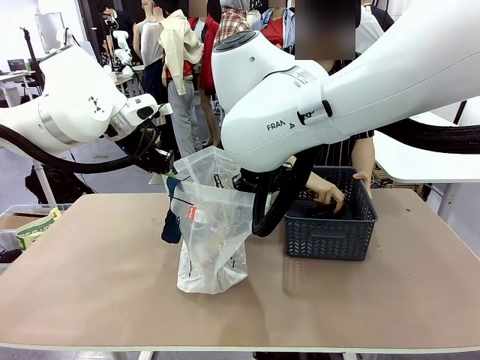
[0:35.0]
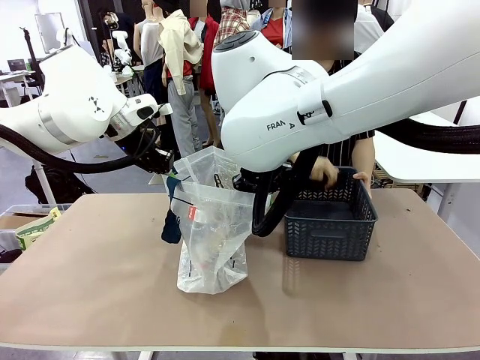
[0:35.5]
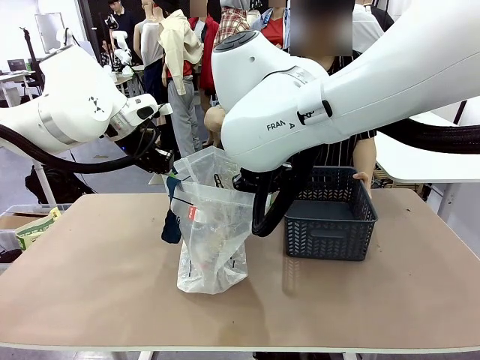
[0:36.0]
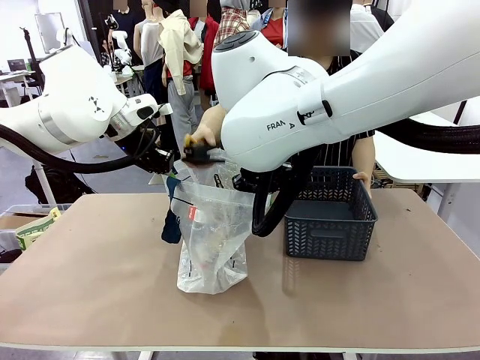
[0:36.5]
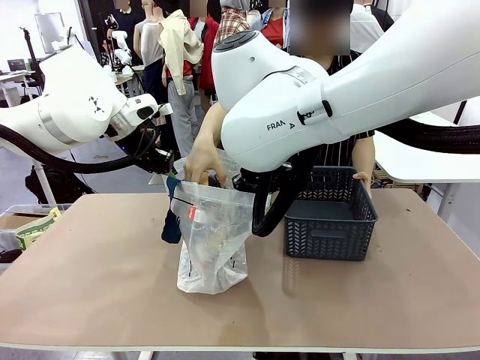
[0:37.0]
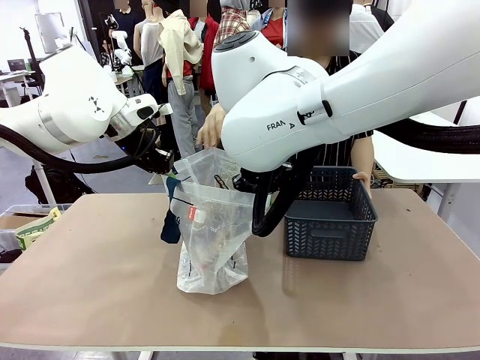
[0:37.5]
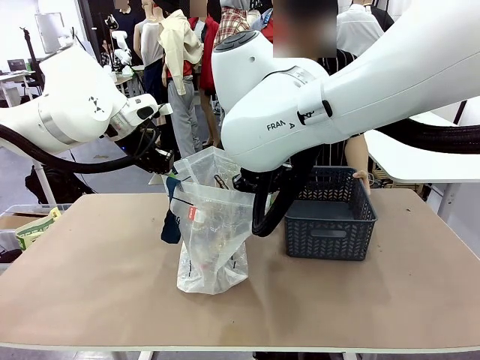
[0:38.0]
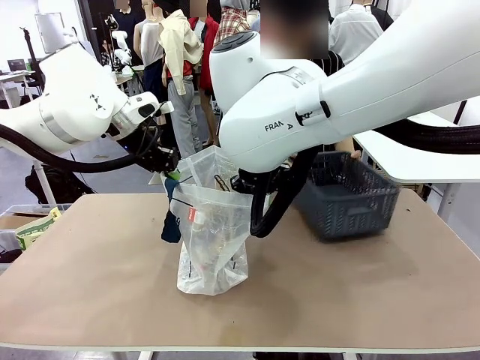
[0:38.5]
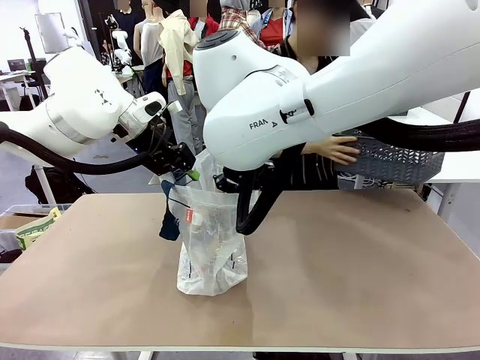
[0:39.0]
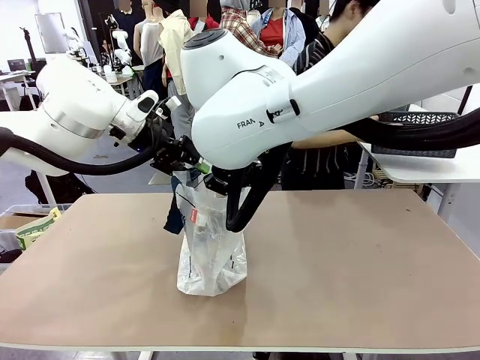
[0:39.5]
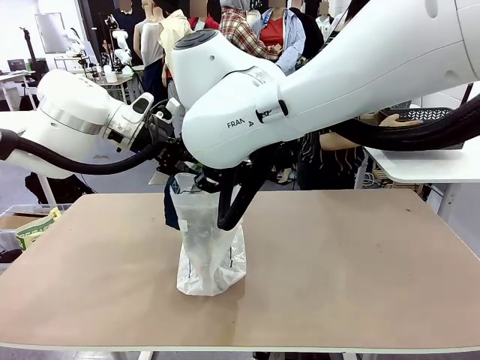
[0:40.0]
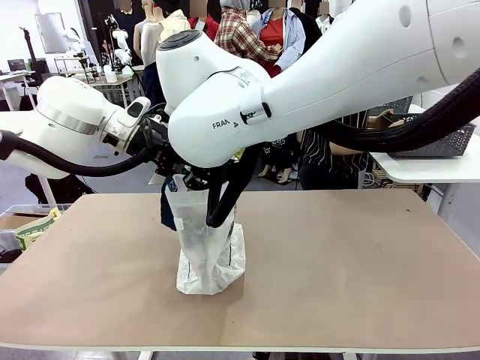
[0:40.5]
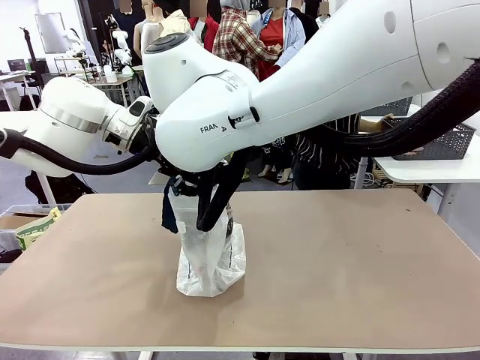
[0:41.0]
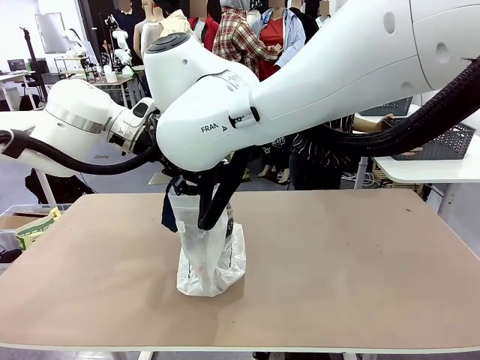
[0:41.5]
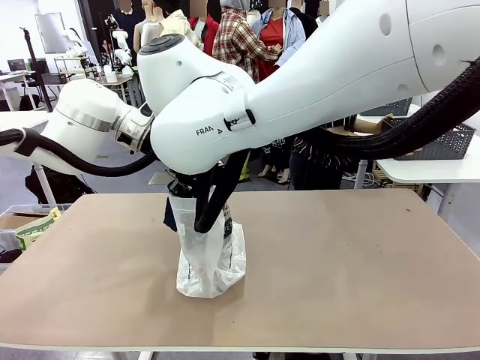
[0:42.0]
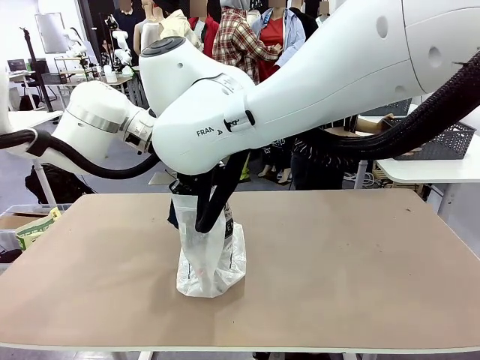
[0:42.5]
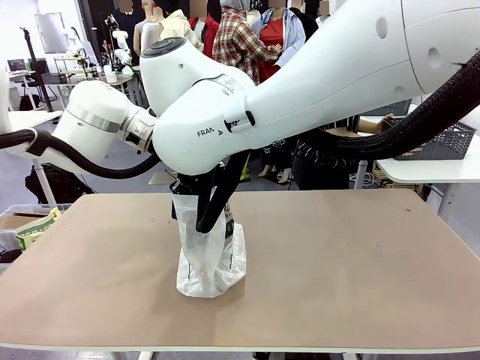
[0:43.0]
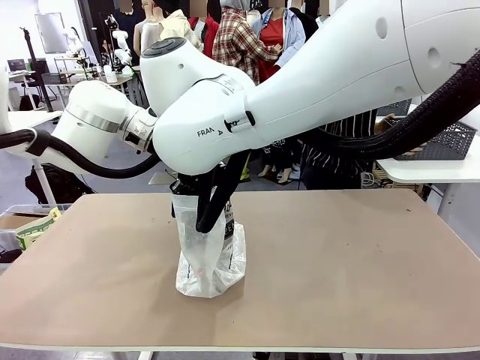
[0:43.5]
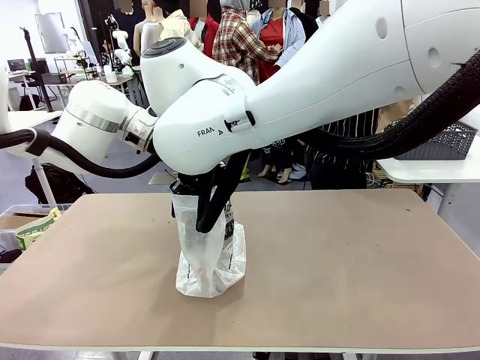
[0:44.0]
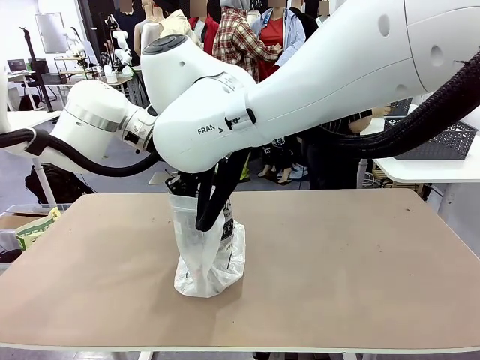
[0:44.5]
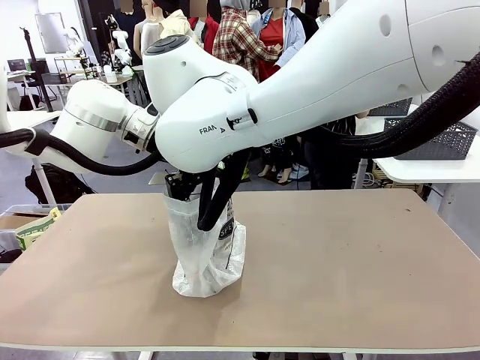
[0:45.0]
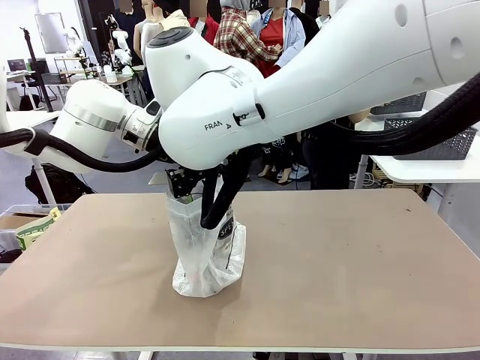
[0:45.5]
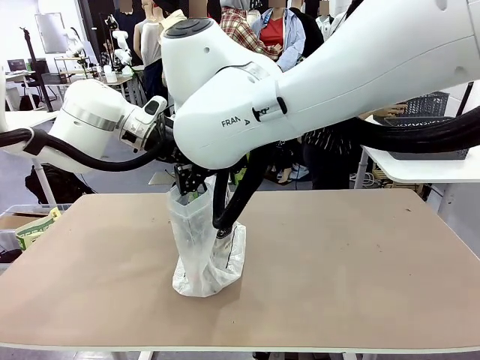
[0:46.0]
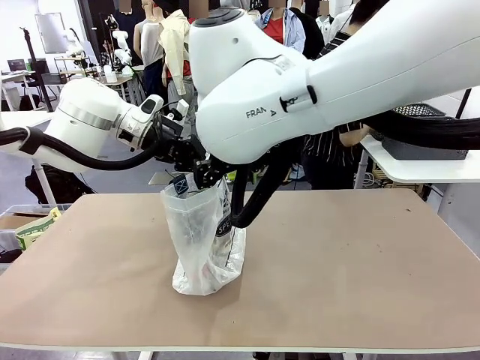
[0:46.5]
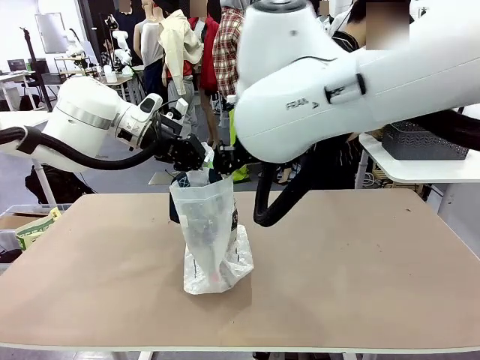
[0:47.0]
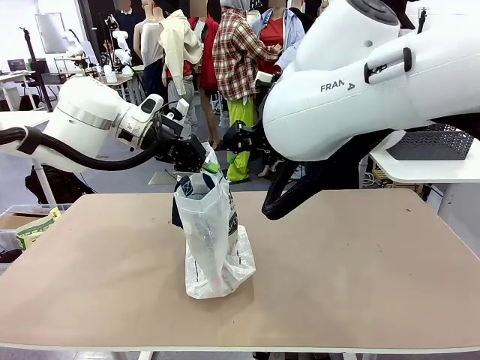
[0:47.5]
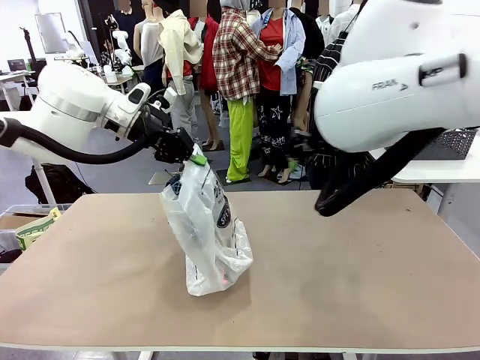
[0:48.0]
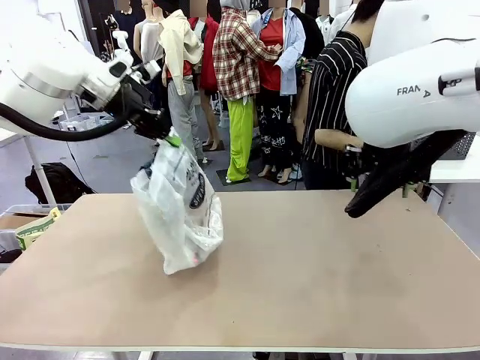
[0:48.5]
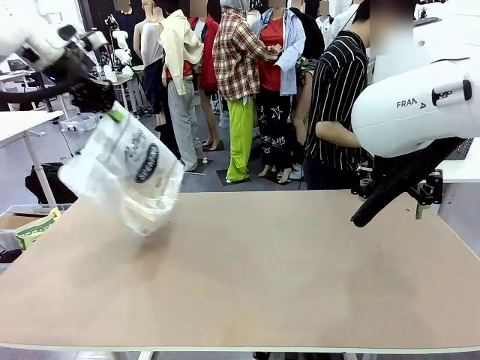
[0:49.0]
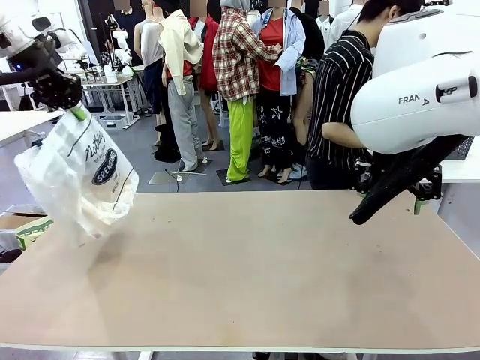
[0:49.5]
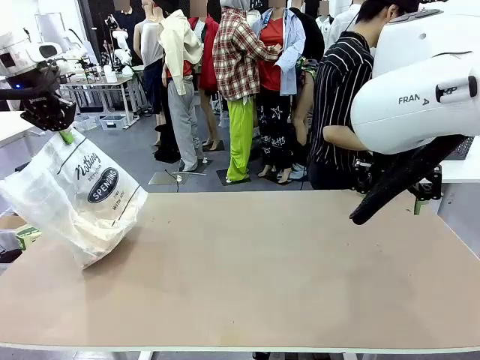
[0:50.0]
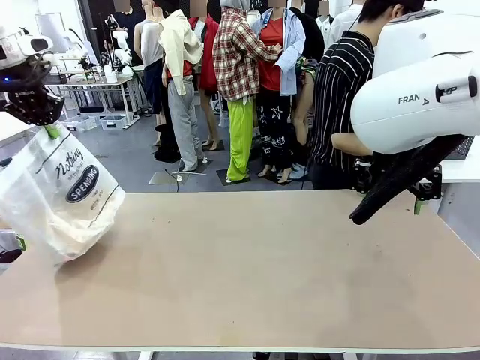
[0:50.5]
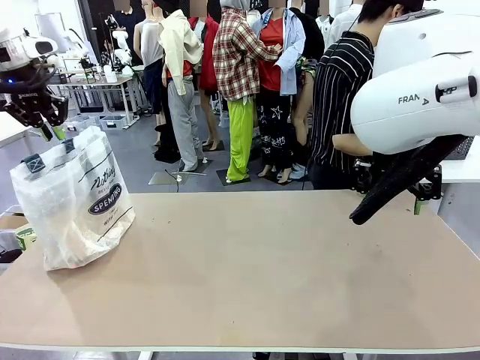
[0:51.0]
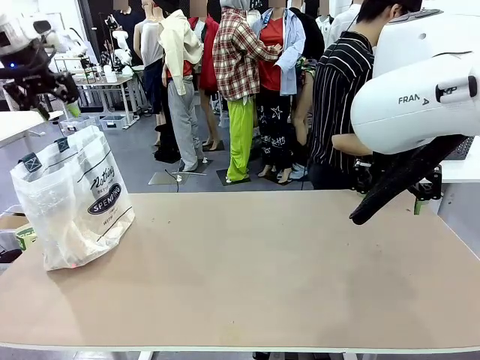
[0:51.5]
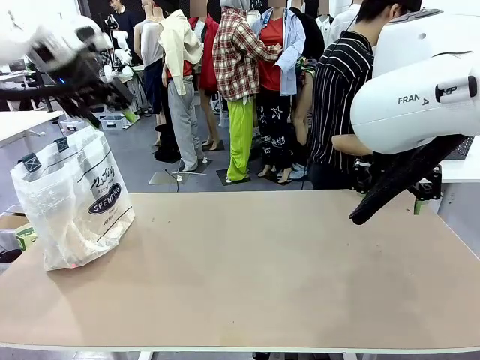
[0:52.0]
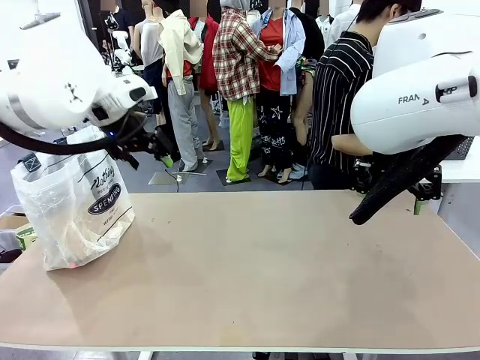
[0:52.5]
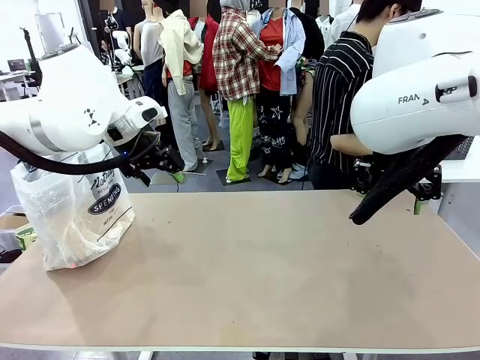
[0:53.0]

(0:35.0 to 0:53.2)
Task: Transfer purchased items from the store into the shopping bag.
Robot: Move the Reusable shopping bag to the right side of the table.
Person: Move the basket on the left to the middle of the person's table.

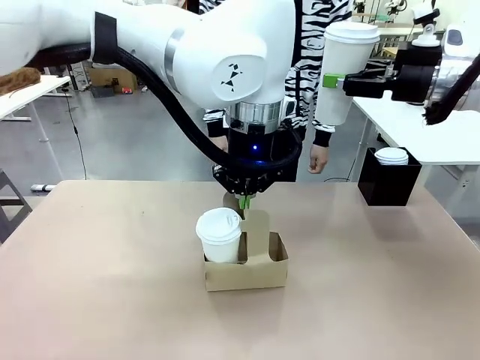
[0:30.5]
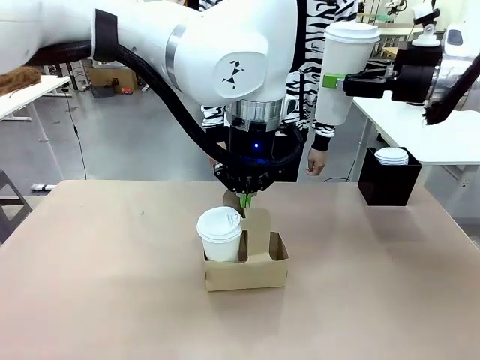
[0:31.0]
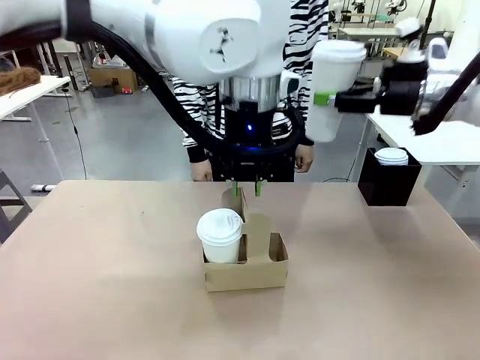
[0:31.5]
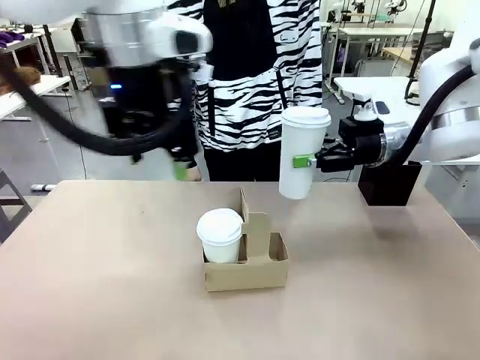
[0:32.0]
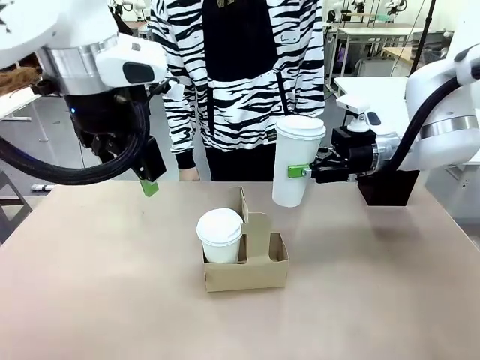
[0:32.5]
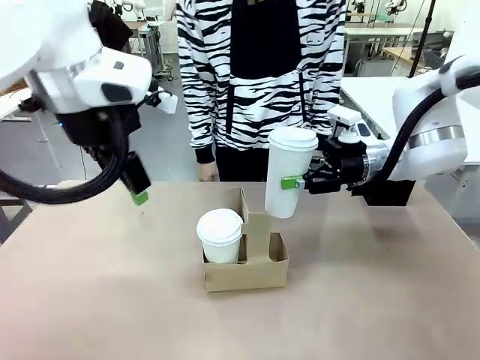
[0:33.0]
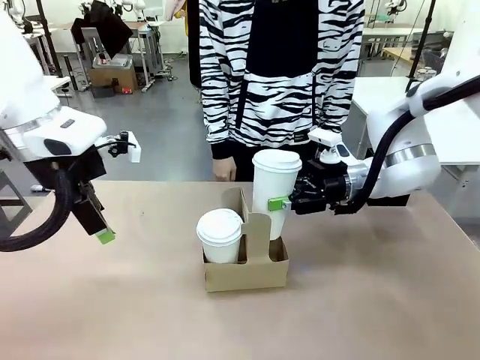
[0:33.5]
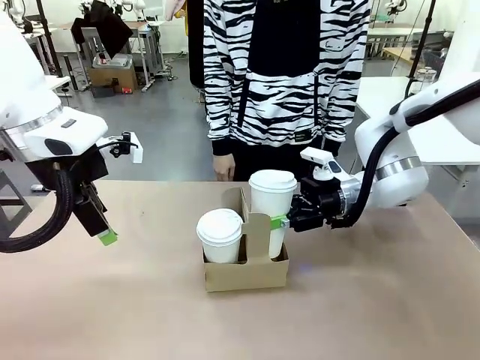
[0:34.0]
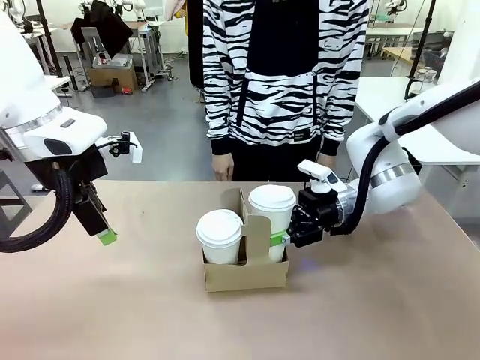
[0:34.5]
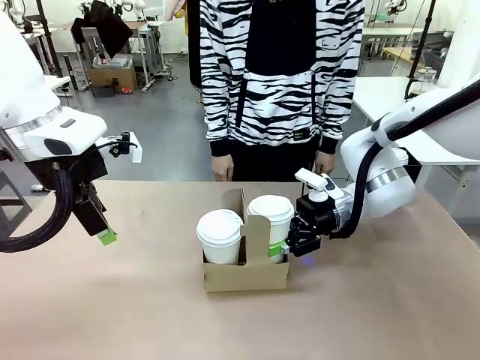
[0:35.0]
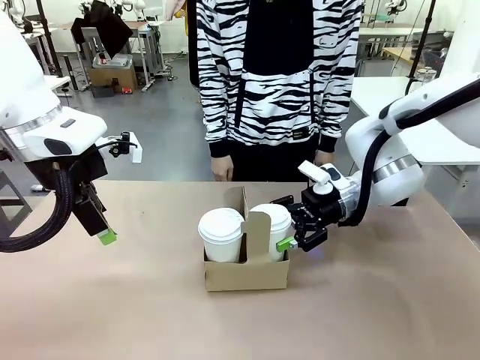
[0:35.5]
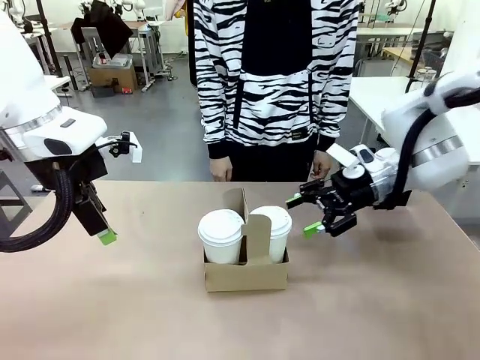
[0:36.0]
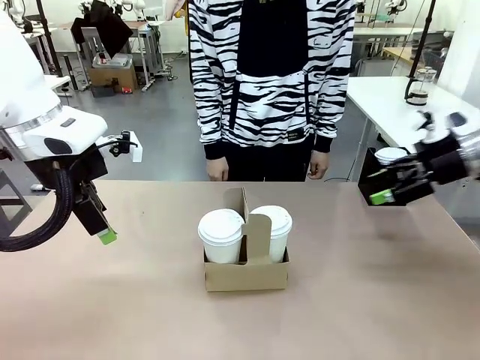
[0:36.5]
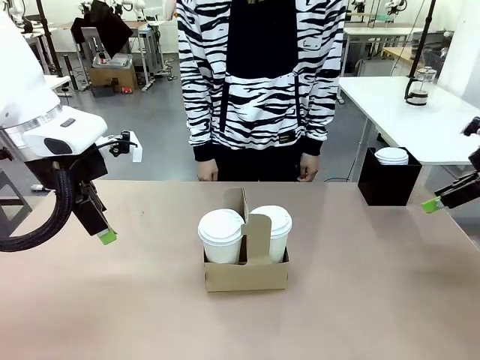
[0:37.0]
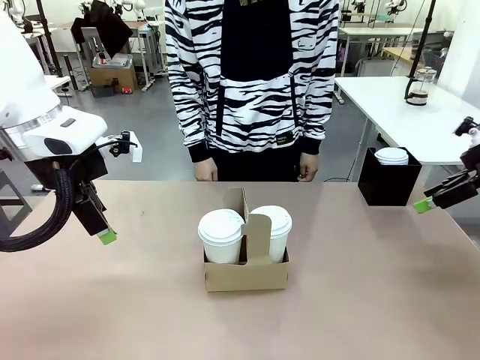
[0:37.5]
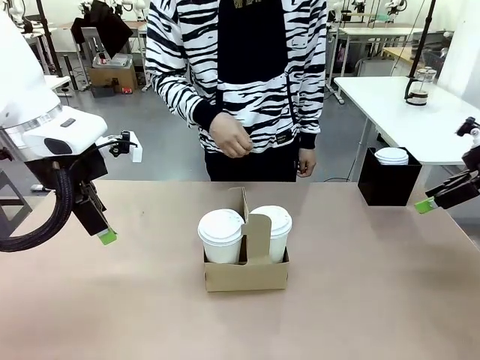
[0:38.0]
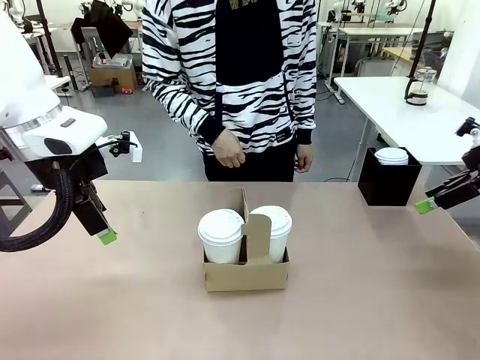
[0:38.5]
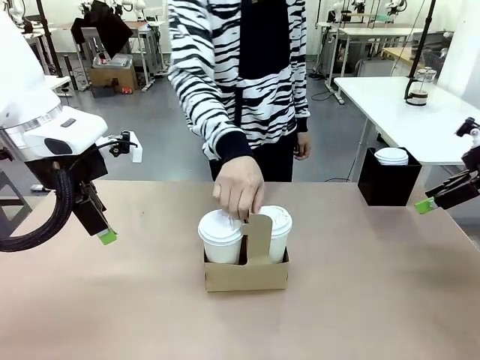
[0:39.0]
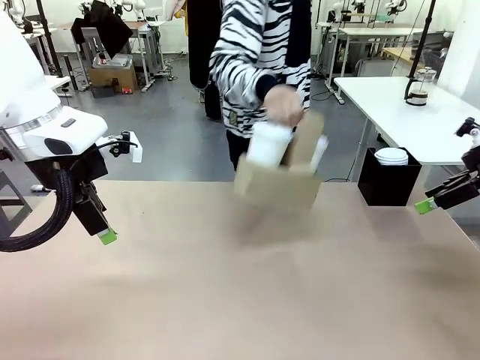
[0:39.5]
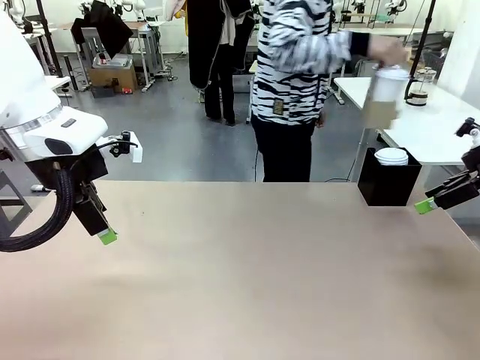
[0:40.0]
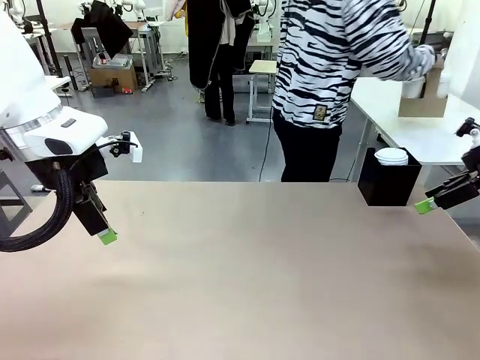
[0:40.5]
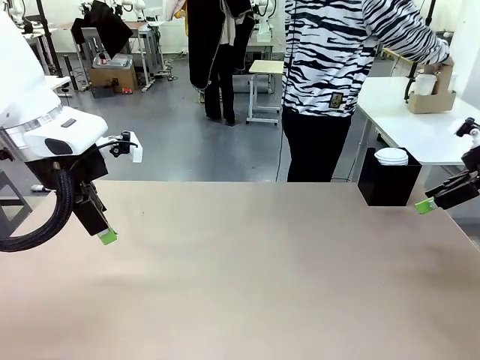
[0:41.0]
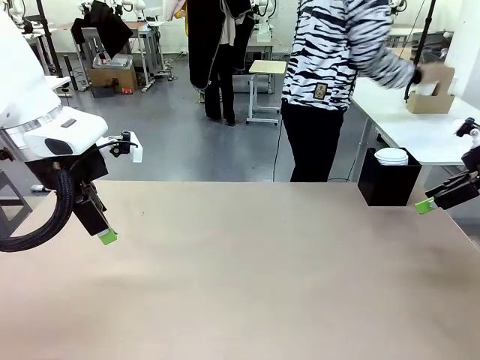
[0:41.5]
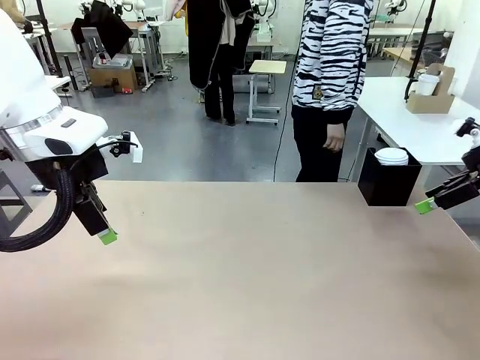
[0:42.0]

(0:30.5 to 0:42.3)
Task: Pour a drink into a cup and package it in a carrier.
Robot: Insert the held 600 ml Paper Cup into the Cup Carrier.
Person: Place the Cup Carrier to the middle of Human table.
